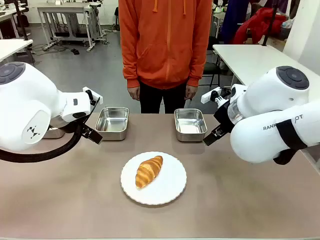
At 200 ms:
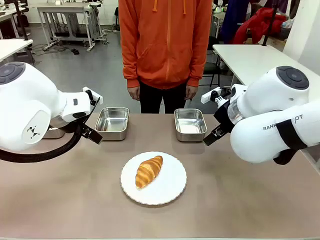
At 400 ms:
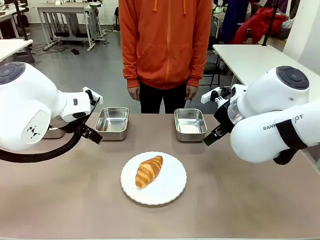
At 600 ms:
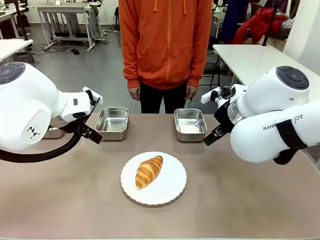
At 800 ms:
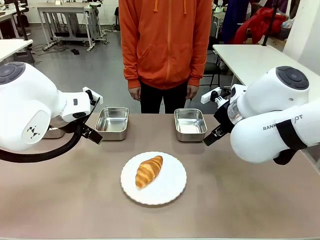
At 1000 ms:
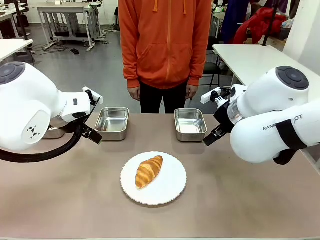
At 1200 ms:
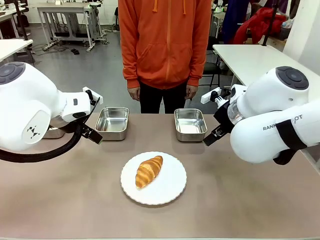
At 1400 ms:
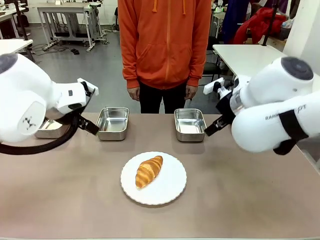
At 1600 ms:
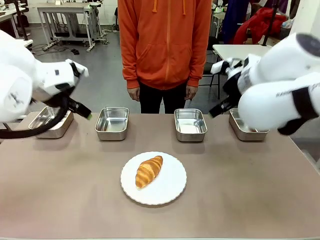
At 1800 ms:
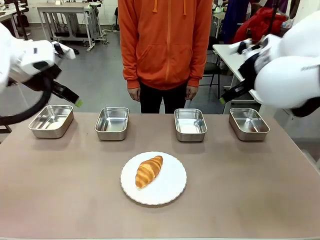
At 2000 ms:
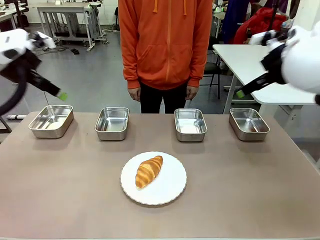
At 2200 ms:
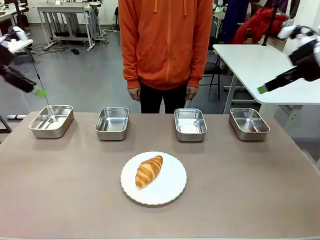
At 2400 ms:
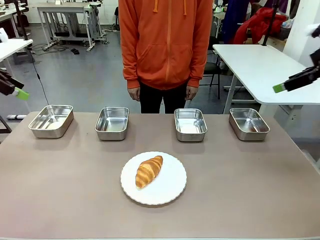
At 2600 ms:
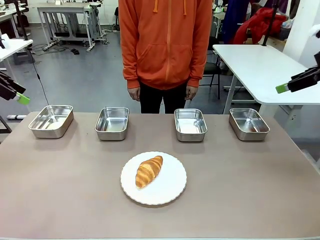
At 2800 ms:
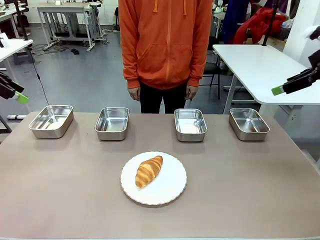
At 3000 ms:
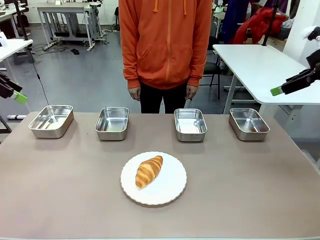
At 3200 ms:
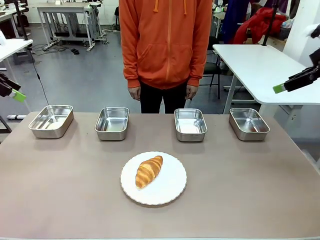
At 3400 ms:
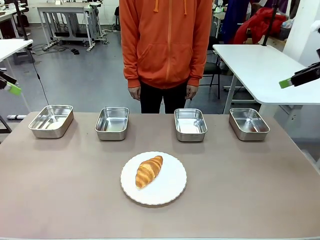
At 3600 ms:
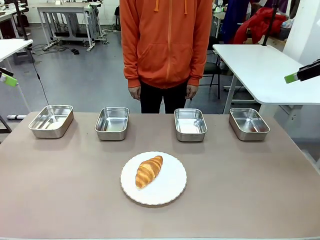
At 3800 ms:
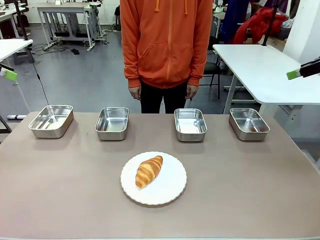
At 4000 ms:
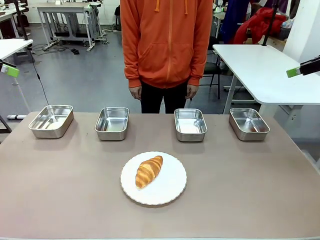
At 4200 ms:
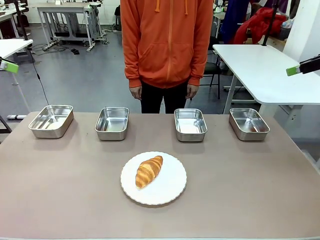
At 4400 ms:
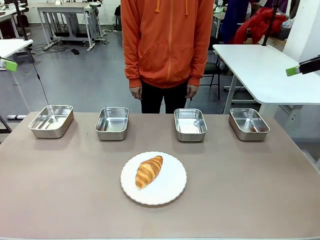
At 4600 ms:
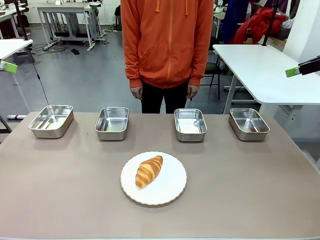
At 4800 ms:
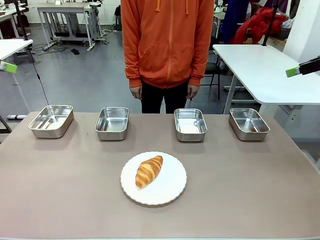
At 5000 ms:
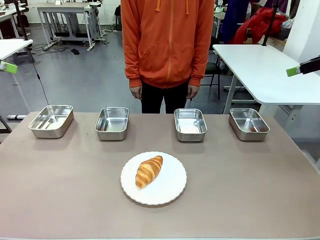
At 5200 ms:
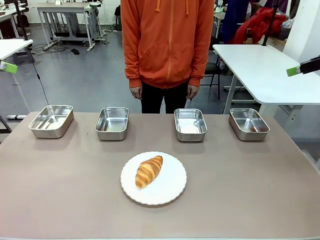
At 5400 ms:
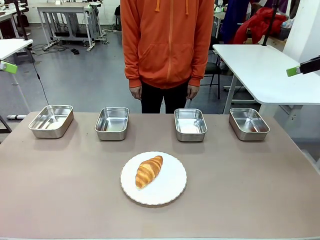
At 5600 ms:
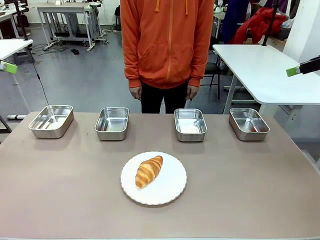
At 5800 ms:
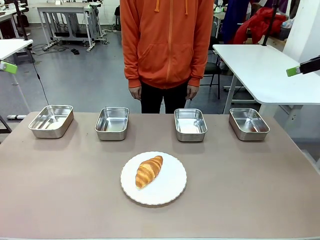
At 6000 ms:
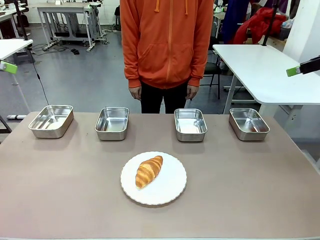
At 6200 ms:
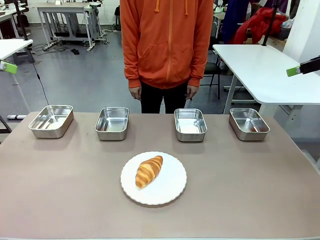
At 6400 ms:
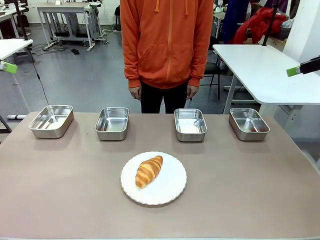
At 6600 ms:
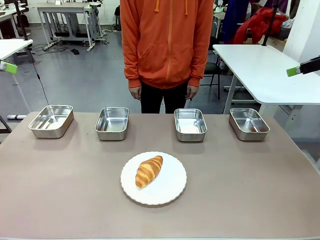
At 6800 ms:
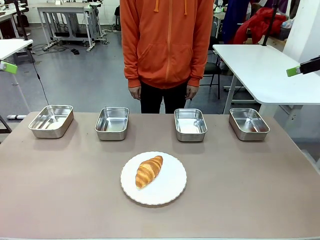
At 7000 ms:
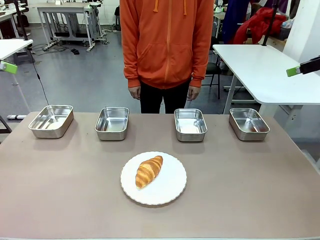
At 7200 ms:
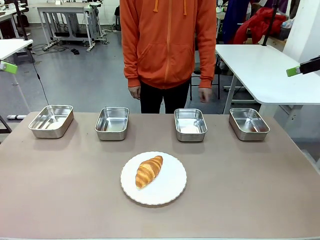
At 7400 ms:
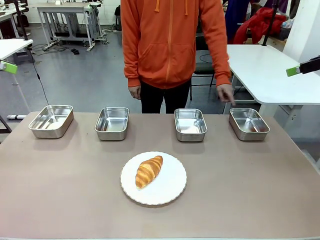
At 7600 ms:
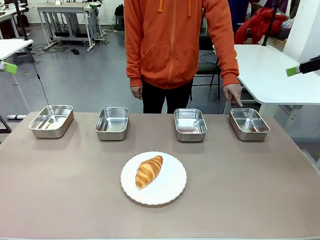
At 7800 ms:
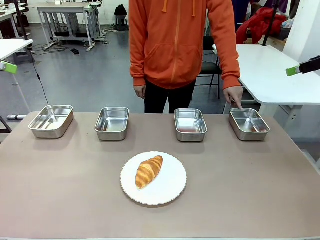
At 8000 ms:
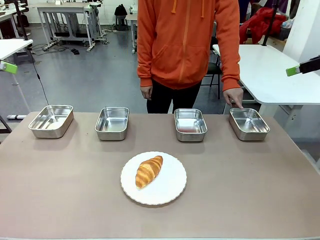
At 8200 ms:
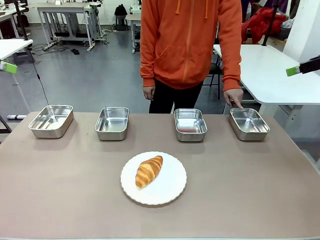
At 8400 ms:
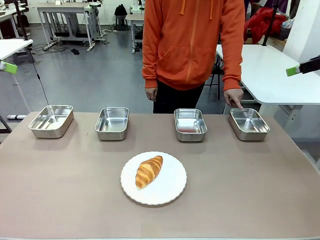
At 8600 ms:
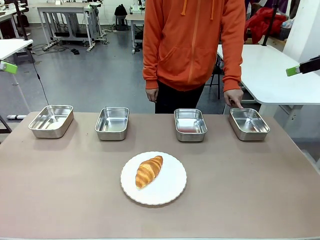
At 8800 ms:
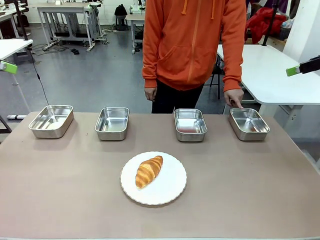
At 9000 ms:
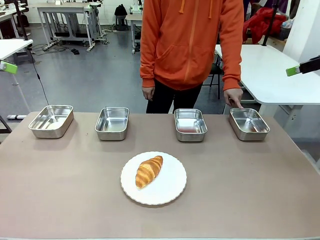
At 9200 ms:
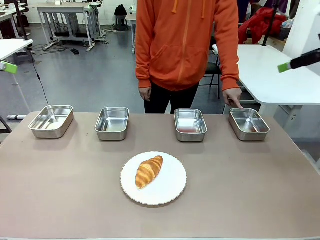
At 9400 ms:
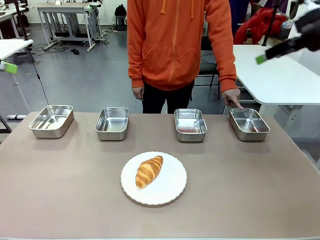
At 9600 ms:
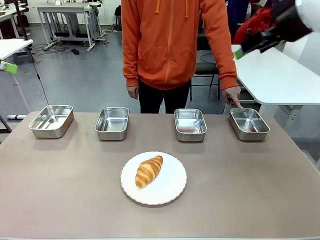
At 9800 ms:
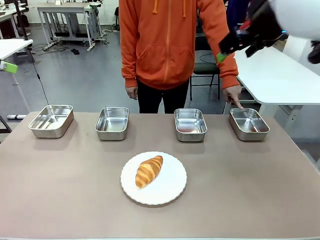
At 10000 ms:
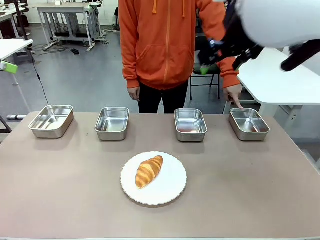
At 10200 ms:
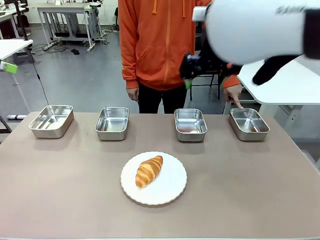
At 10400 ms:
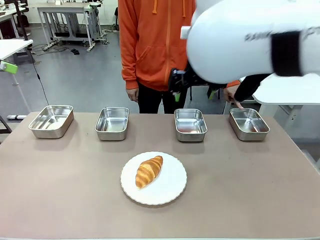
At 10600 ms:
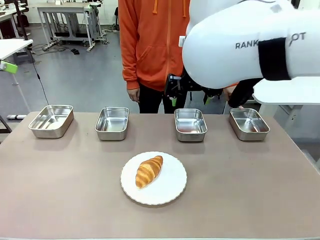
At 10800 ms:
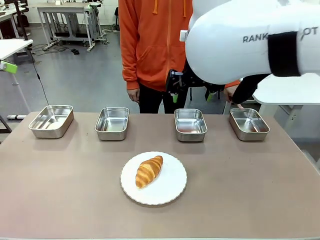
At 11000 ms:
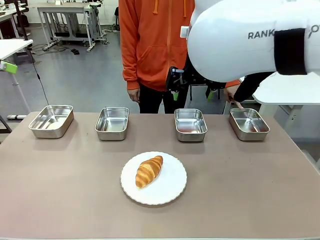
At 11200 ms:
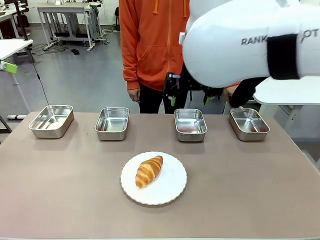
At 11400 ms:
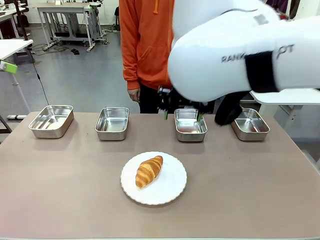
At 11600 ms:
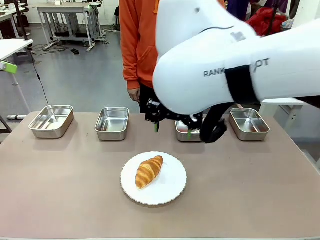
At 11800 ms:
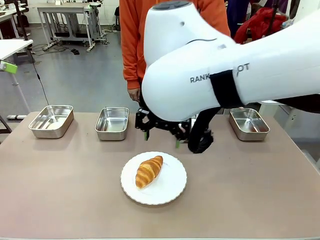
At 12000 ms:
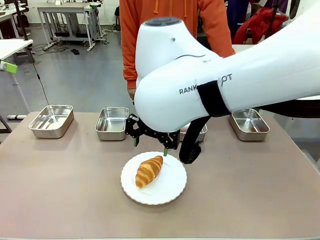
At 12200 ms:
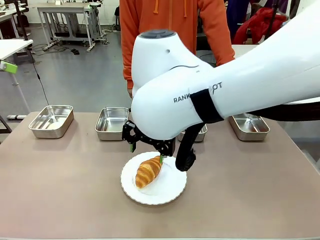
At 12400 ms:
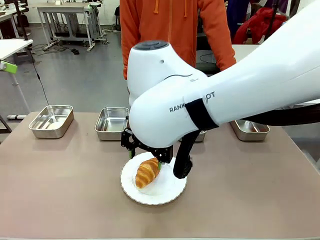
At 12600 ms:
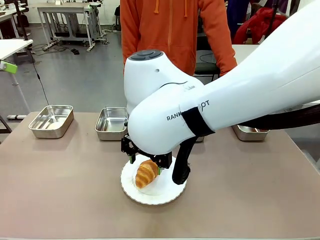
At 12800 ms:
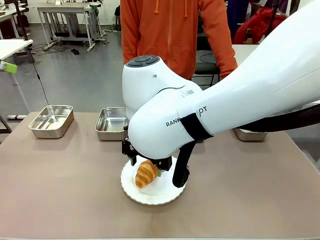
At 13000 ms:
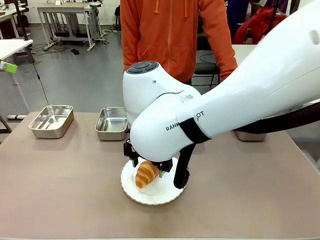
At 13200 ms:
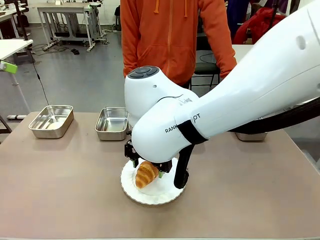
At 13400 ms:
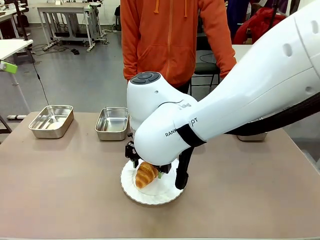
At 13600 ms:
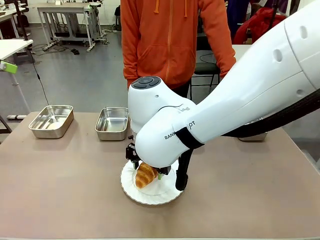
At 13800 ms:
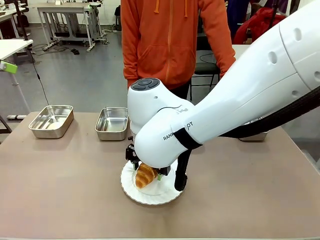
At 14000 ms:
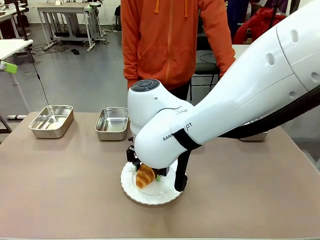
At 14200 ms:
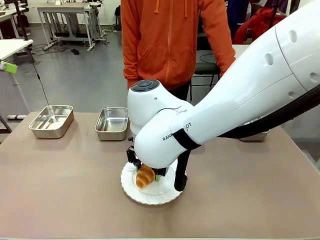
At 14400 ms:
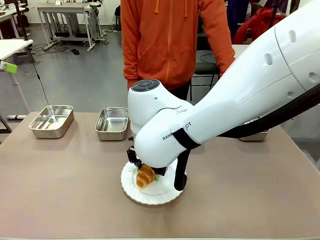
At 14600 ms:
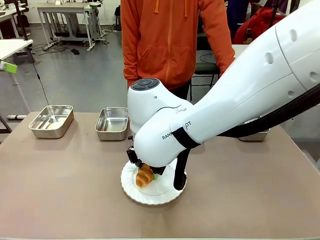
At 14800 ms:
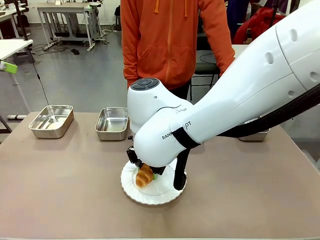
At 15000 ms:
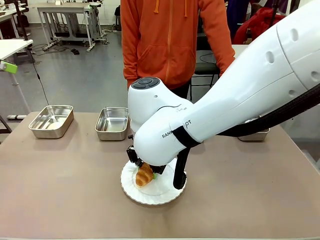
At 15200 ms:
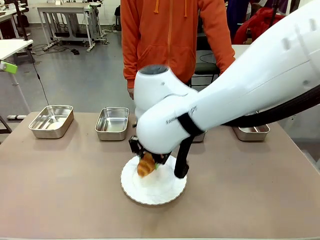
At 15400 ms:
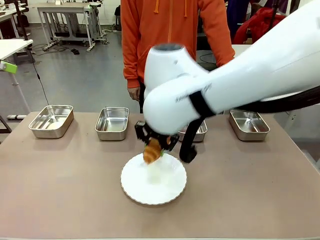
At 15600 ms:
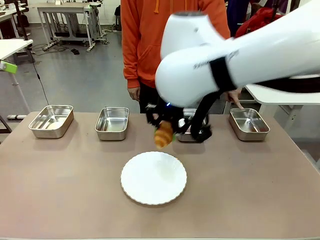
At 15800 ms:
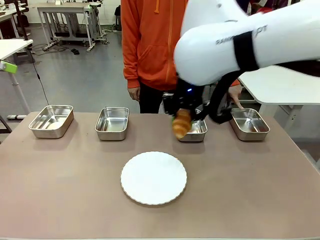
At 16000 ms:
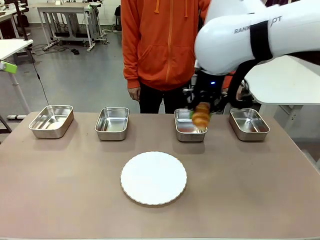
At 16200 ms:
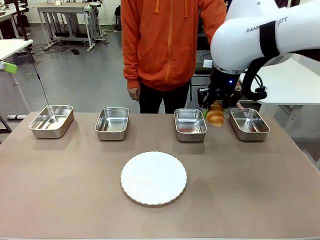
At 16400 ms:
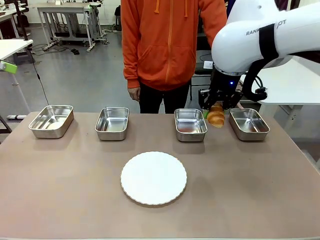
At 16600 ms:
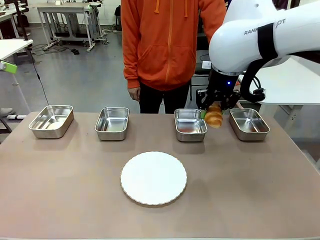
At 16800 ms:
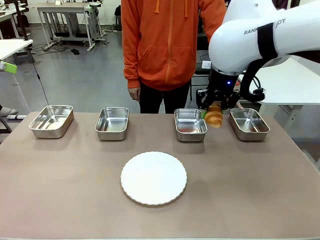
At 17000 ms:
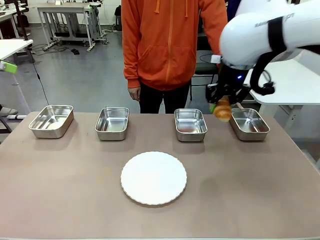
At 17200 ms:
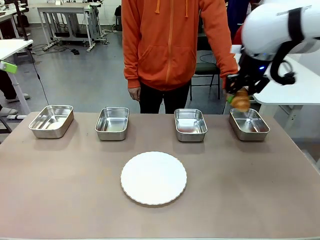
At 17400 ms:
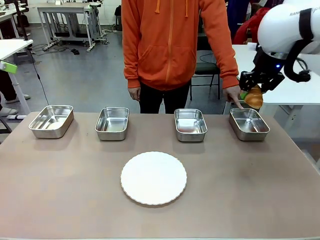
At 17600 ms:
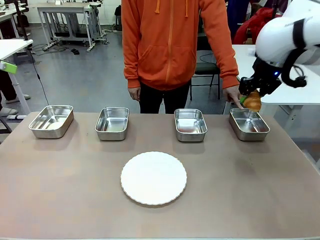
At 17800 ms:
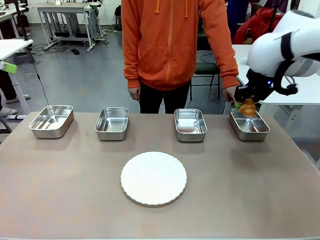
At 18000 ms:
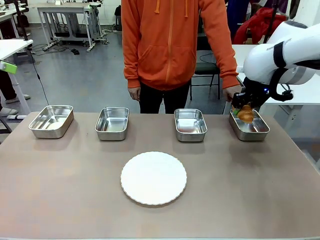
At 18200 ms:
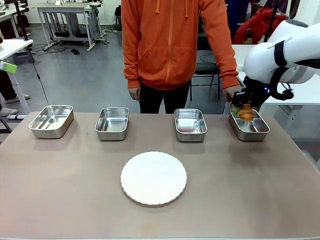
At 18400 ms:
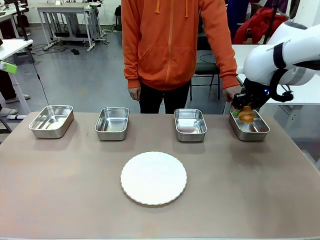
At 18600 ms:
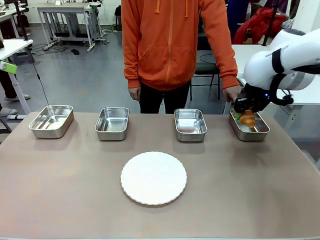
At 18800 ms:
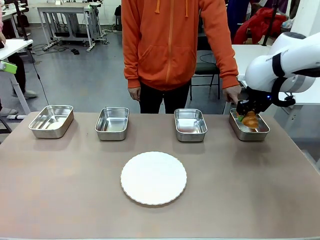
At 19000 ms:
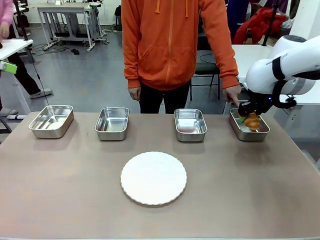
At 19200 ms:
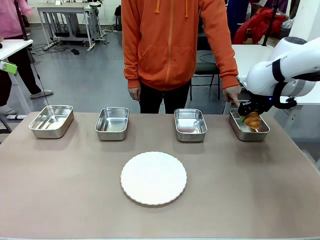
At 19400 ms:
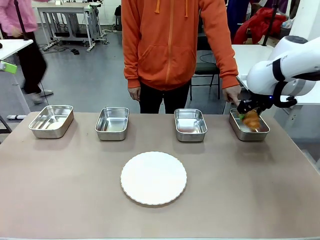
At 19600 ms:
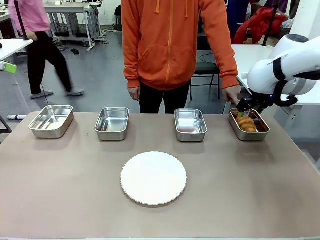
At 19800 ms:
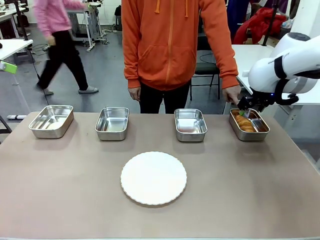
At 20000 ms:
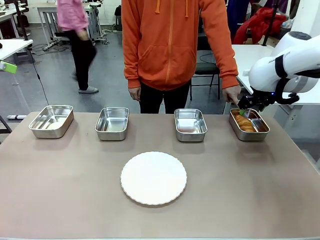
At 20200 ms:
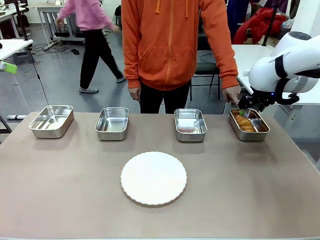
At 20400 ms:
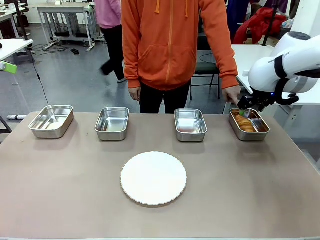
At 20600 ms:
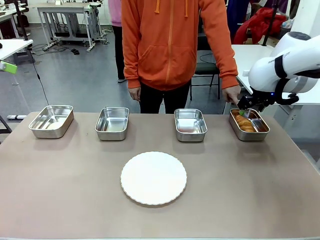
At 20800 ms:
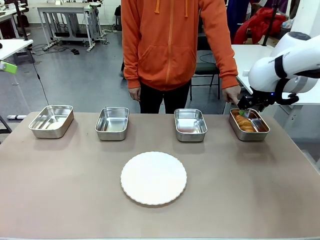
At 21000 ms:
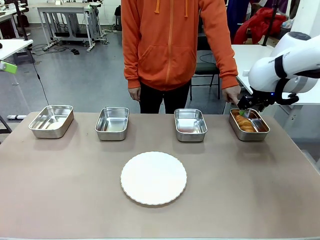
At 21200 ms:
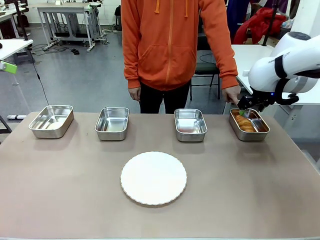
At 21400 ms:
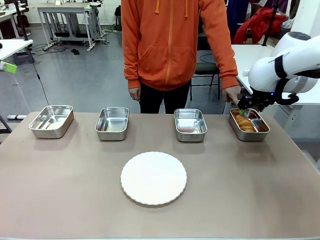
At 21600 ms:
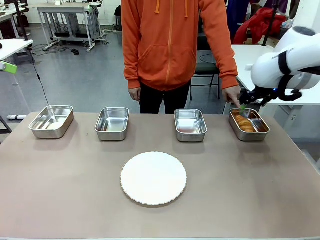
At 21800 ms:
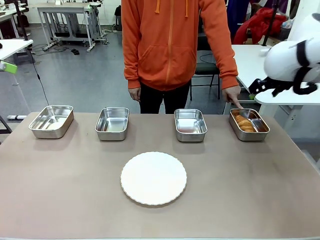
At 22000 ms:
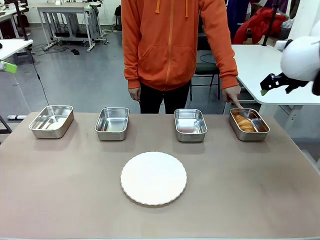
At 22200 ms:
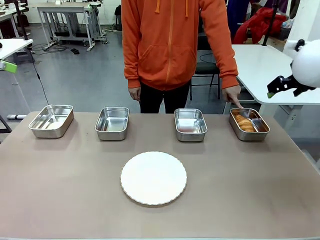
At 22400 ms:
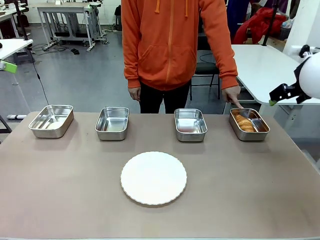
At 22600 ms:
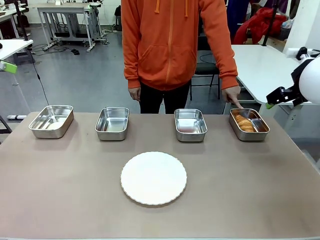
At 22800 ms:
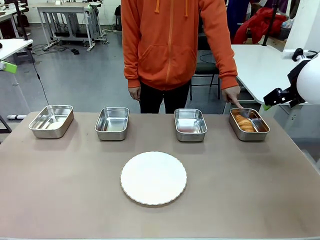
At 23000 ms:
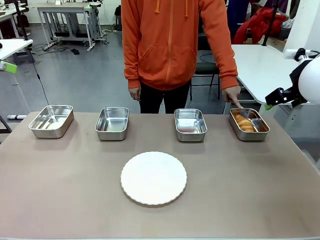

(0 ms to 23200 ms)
Task: Place the bread in the container.
Robot: Place the Butter Roll into the Airtight Container indicated by the human.
Person: A person randomly selects and points to an Airtight Container.
